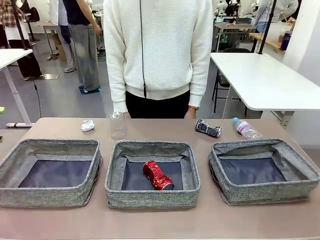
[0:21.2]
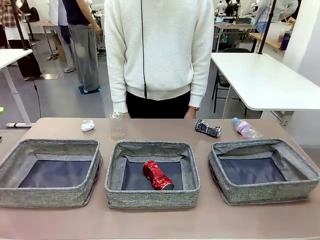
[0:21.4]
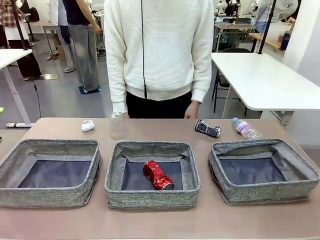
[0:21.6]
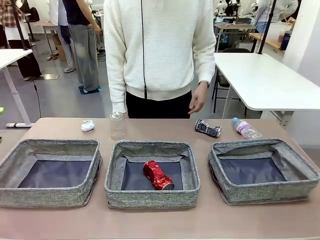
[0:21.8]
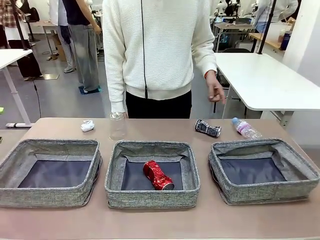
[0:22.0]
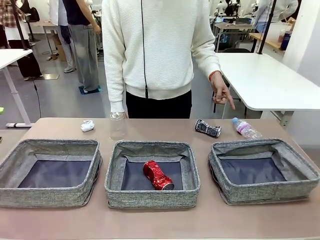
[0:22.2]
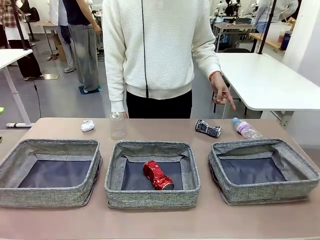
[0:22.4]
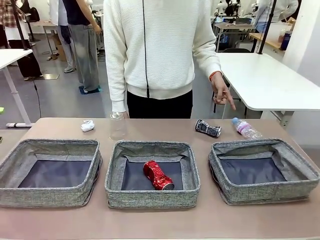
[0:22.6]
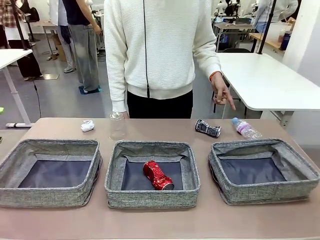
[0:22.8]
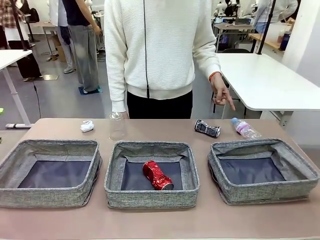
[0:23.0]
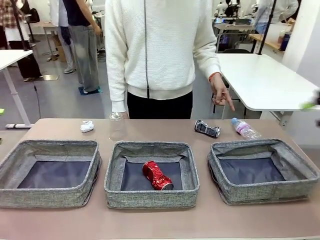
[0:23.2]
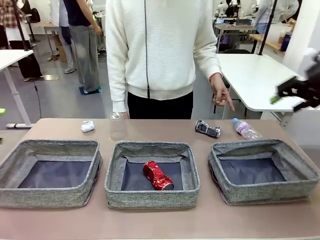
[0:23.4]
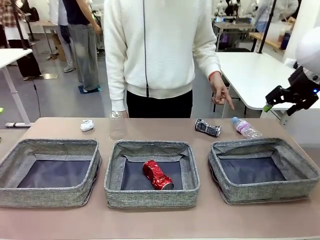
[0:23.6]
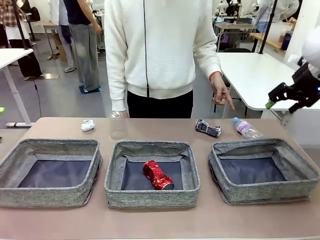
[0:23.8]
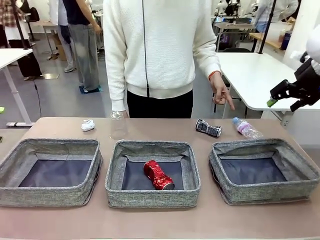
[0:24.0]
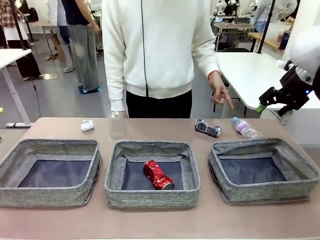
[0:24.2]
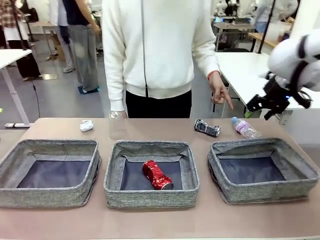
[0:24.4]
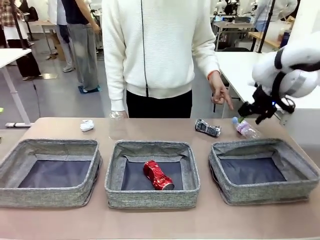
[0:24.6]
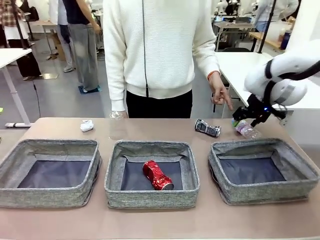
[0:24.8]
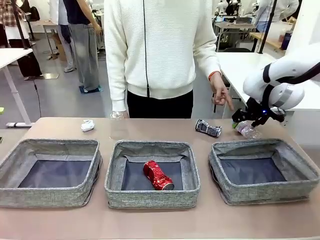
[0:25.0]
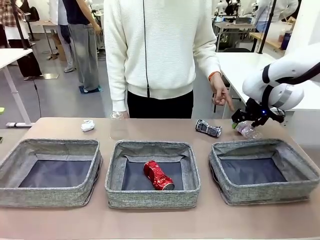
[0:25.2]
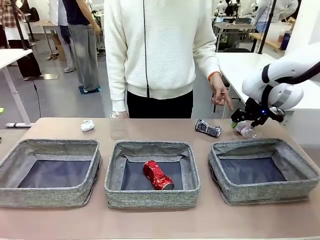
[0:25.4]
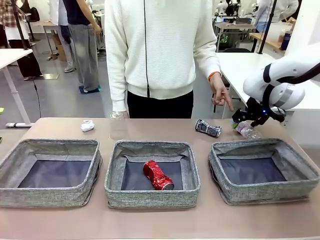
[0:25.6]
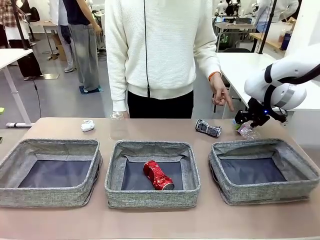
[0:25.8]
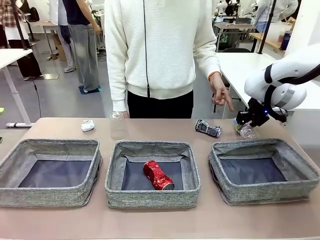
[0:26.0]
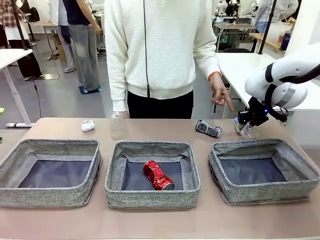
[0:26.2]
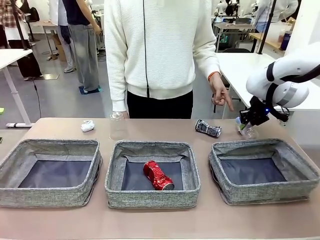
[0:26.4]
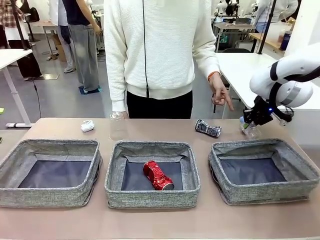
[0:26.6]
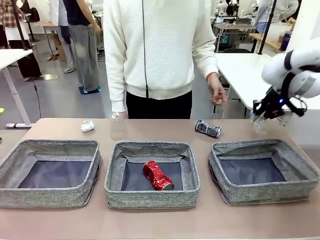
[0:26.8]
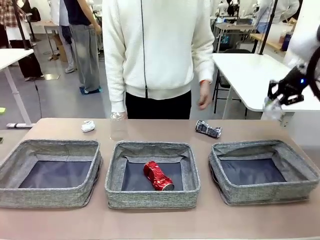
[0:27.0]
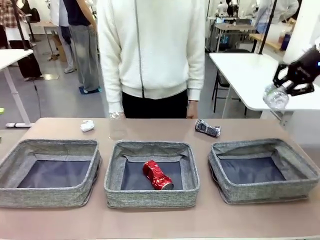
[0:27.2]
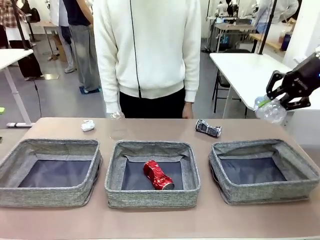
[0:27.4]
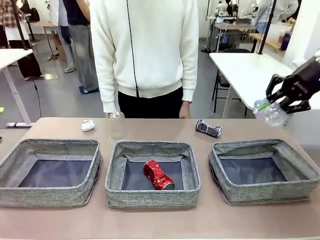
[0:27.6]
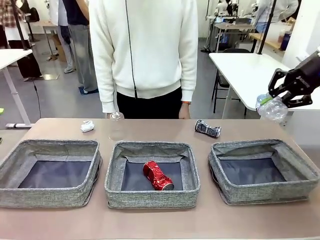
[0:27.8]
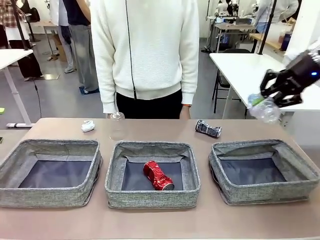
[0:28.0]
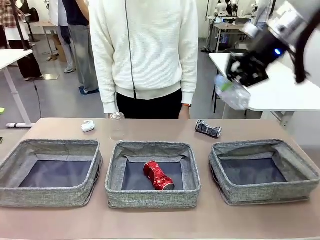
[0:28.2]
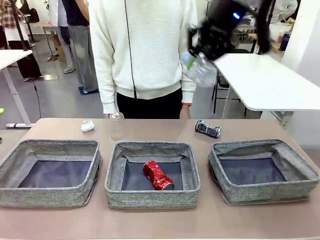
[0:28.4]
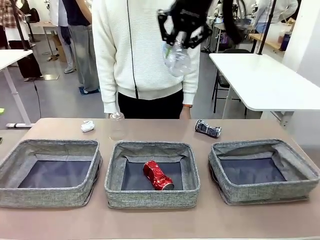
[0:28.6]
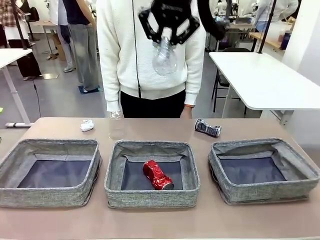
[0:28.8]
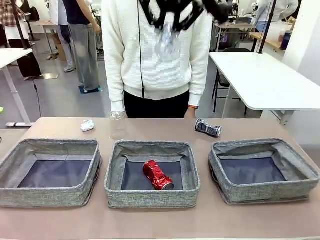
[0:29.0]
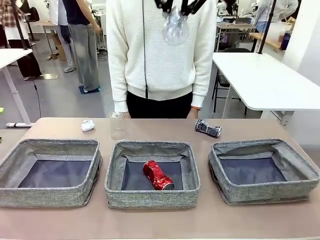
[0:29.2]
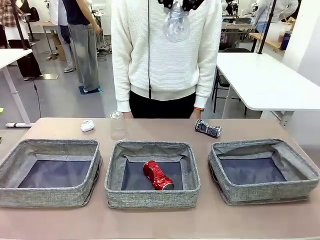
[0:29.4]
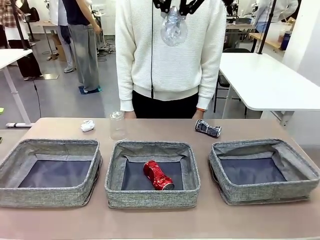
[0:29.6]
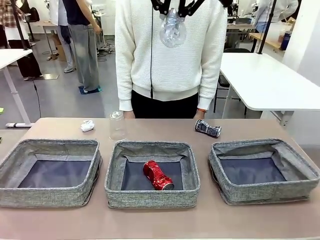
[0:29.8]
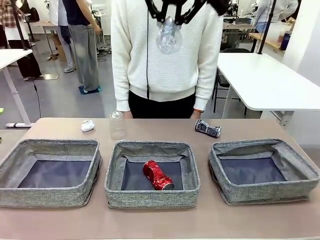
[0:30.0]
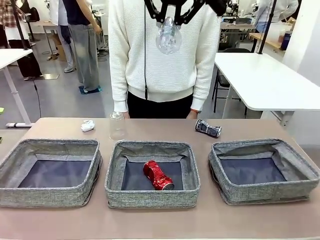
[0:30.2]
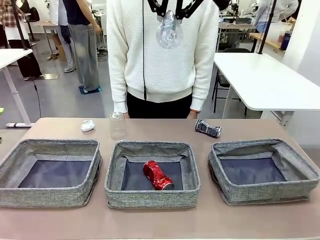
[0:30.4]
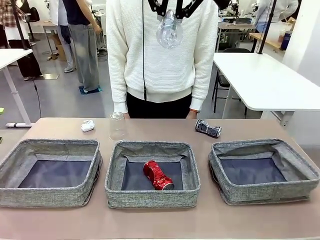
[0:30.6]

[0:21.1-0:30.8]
Task: Sort the waste into the appropriate baskets.
Robot: Pick up the waste item pointed out by the person.
Person: Points to one piece of trash on the table.

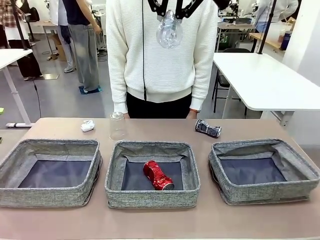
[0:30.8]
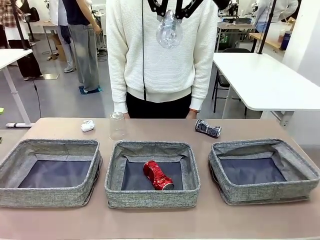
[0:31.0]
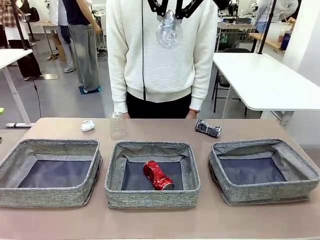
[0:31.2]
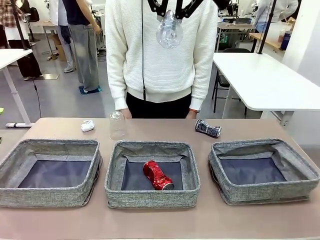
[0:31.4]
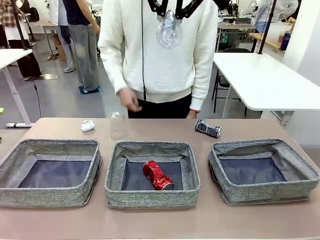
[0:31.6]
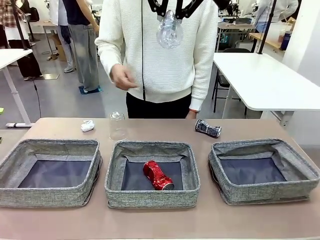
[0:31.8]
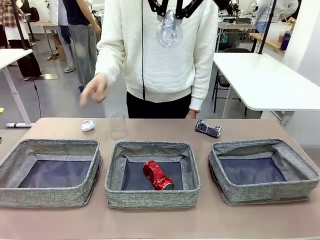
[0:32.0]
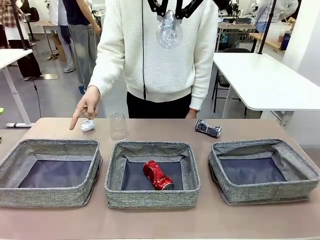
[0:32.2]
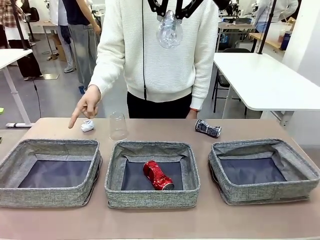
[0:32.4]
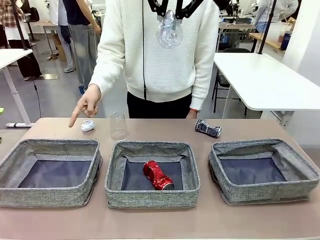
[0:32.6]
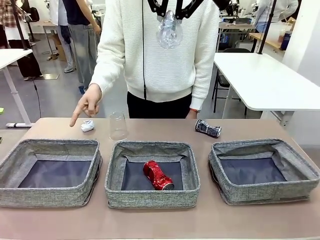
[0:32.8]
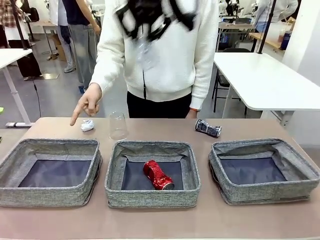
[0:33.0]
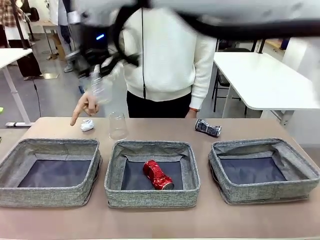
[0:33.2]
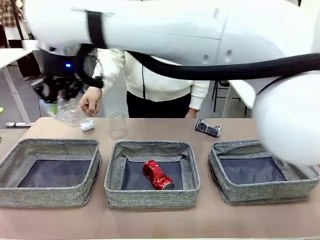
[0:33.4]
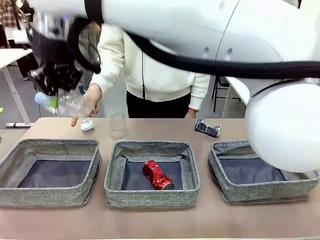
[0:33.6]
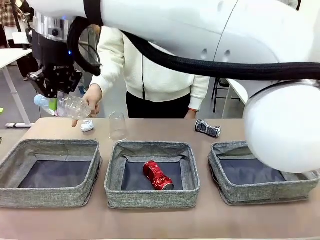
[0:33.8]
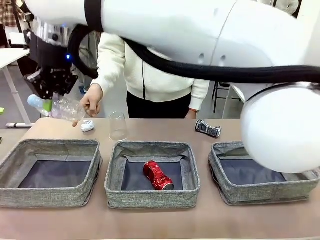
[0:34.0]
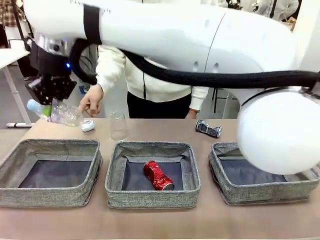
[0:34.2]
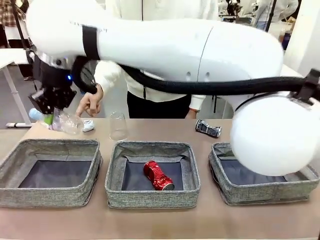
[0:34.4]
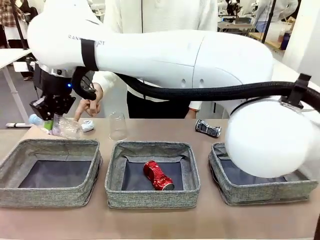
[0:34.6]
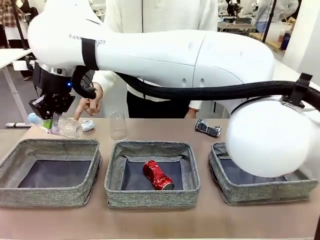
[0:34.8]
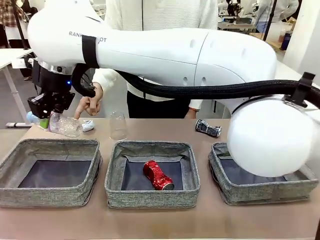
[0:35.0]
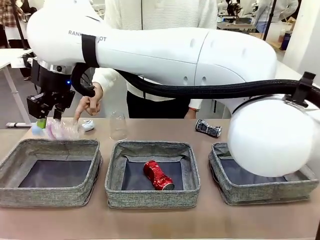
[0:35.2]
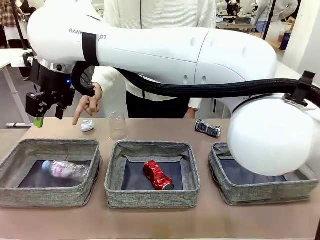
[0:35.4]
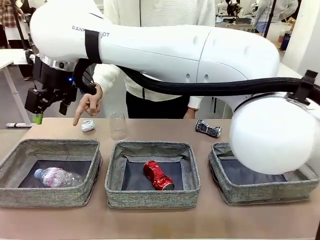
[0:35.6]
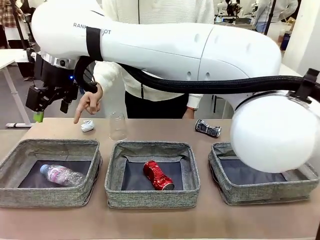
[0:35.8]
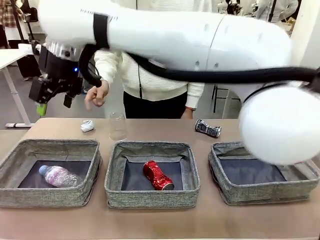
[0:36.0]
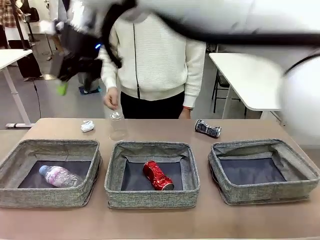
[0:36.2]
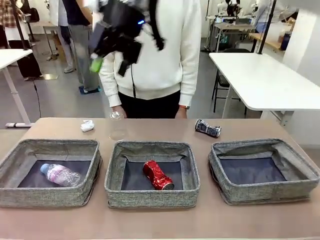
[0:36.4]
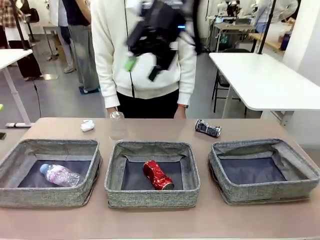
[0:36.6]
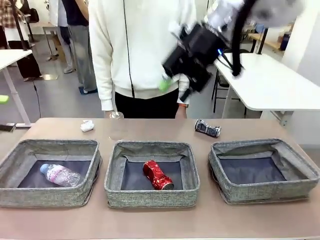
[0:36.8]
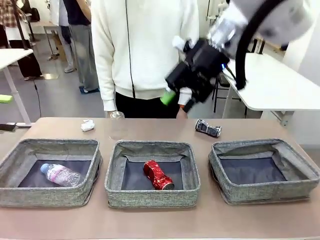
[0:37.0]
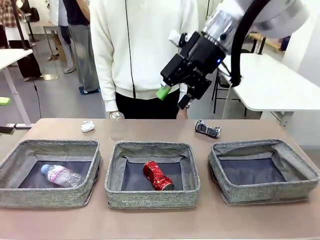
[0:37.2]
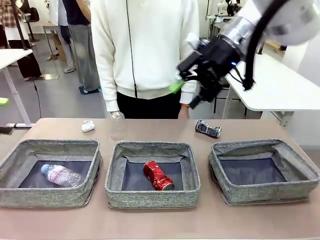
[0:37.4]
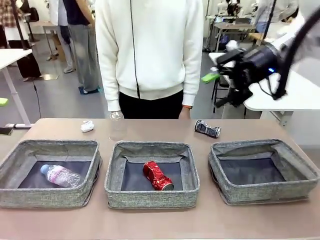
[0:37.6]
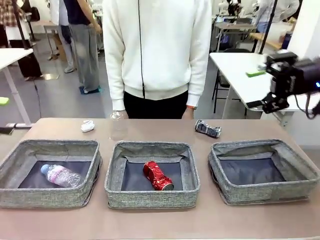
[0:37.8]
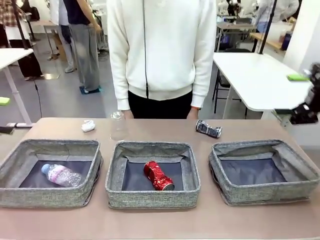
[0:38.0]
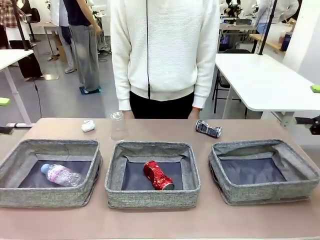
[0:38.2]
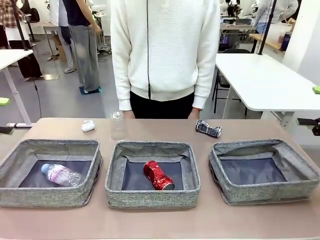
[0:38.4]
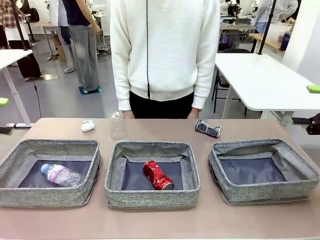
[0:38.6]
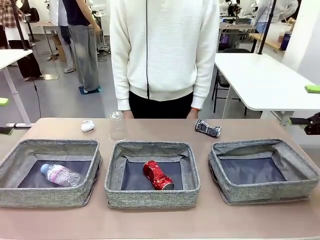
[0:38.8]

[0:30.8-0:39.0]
Robot: Place the picked waste into the Fabric basket indicated by the person.
Person: Instructs the robot to place the picked-up trash into the appropriate organizing basket.
